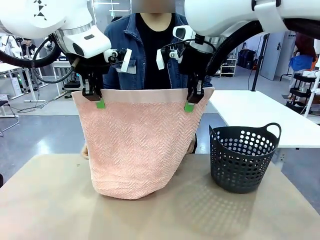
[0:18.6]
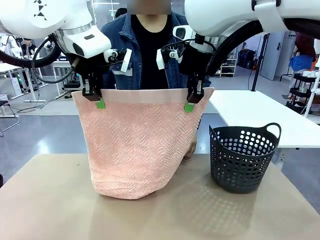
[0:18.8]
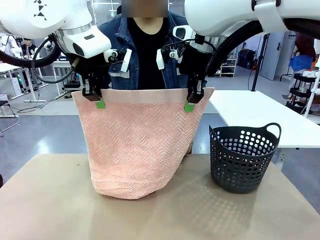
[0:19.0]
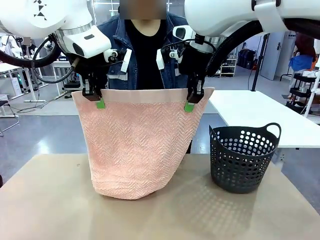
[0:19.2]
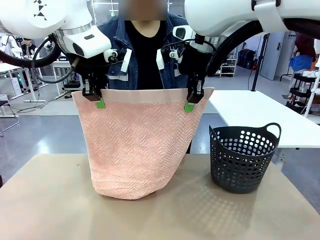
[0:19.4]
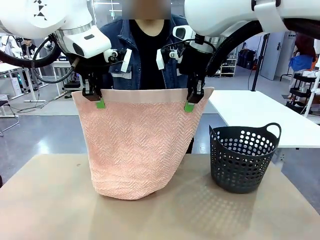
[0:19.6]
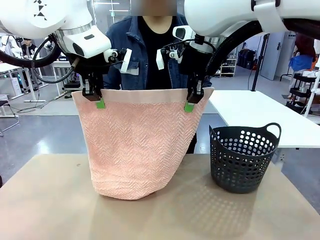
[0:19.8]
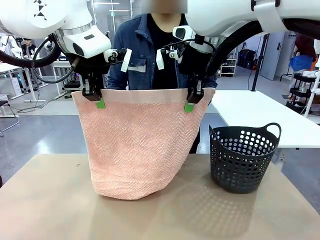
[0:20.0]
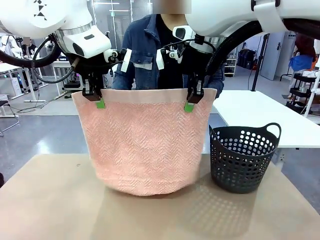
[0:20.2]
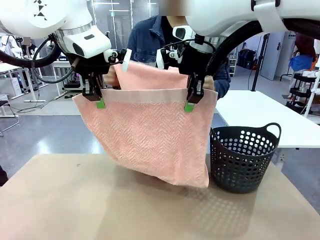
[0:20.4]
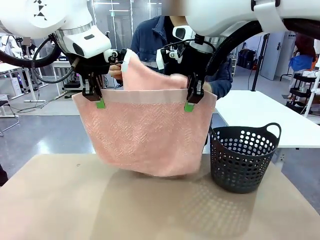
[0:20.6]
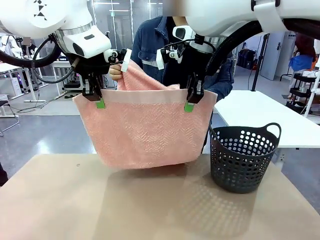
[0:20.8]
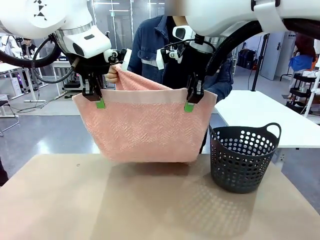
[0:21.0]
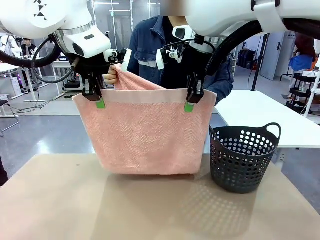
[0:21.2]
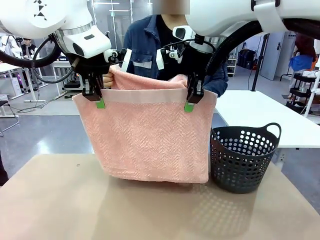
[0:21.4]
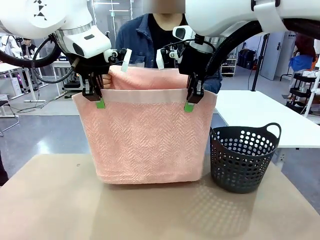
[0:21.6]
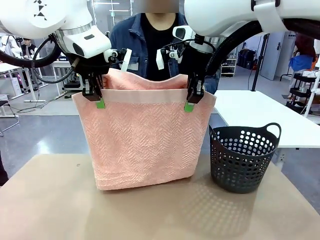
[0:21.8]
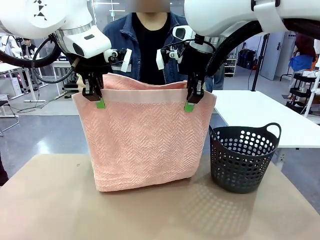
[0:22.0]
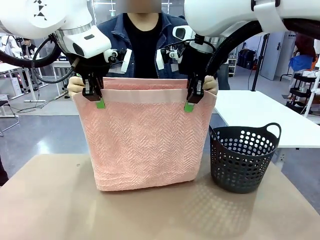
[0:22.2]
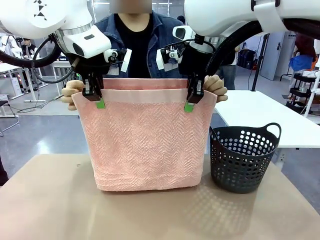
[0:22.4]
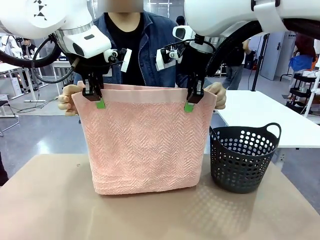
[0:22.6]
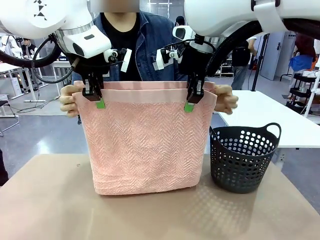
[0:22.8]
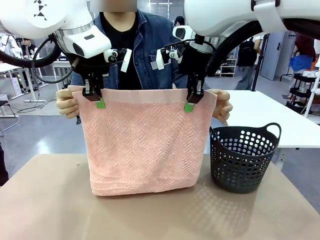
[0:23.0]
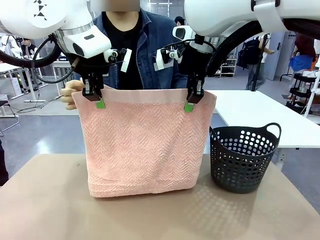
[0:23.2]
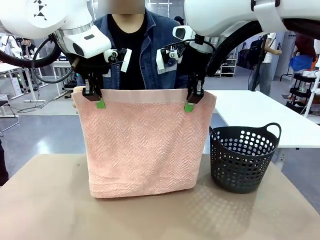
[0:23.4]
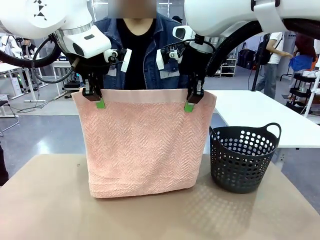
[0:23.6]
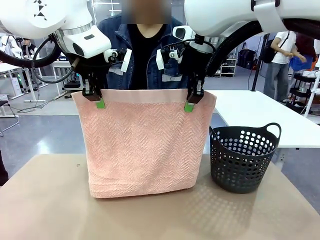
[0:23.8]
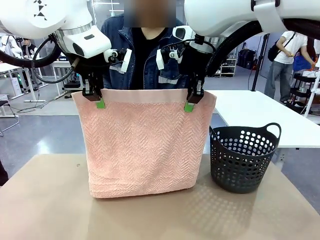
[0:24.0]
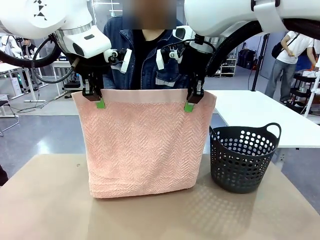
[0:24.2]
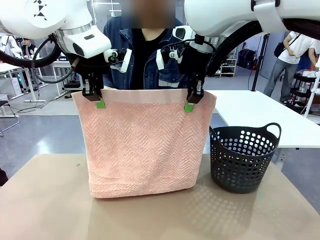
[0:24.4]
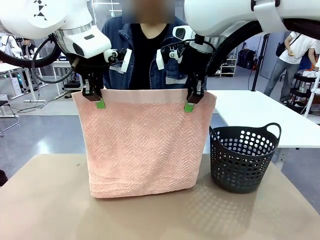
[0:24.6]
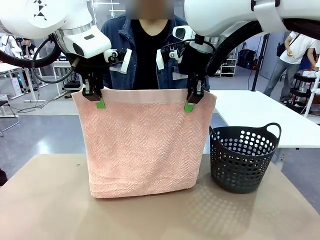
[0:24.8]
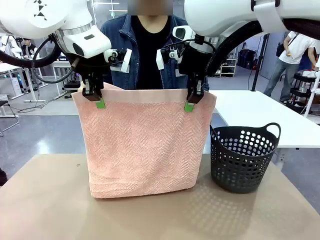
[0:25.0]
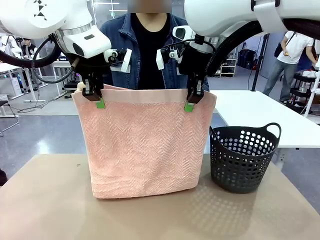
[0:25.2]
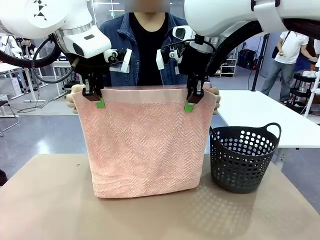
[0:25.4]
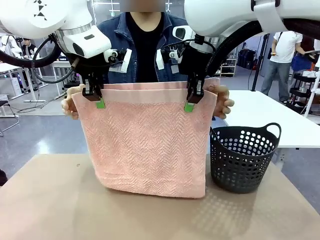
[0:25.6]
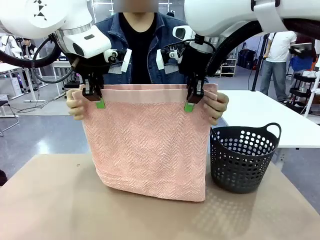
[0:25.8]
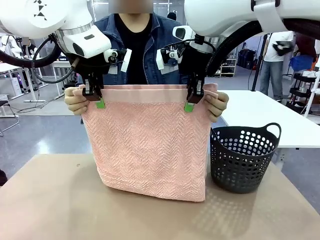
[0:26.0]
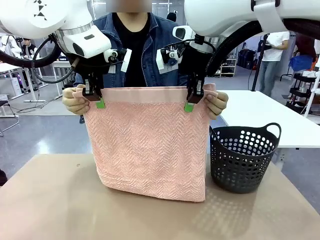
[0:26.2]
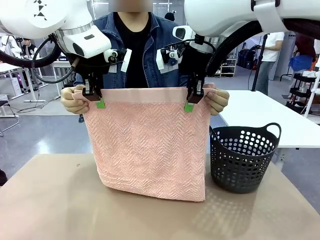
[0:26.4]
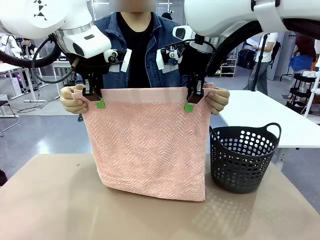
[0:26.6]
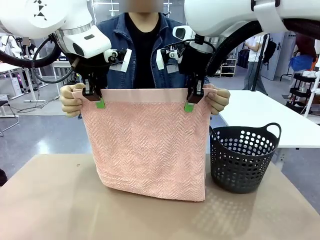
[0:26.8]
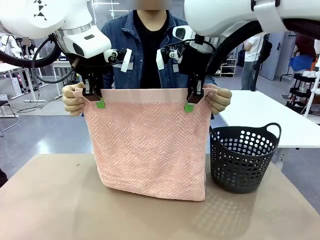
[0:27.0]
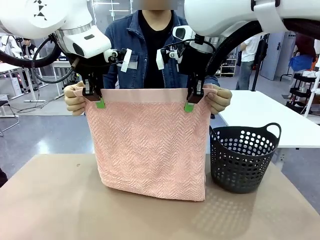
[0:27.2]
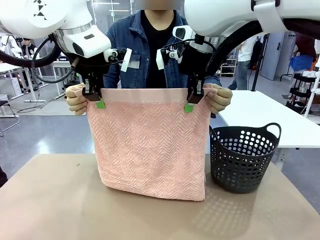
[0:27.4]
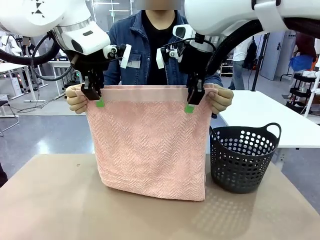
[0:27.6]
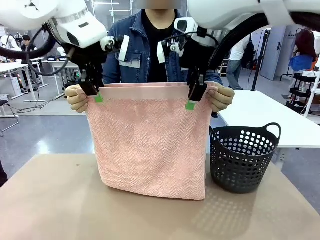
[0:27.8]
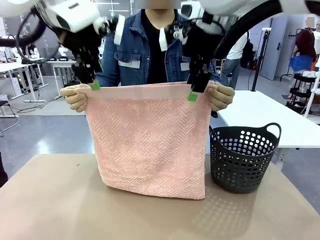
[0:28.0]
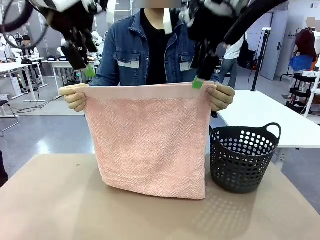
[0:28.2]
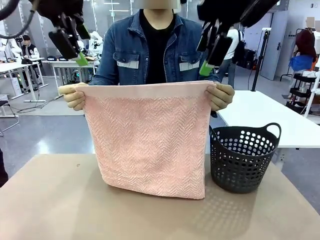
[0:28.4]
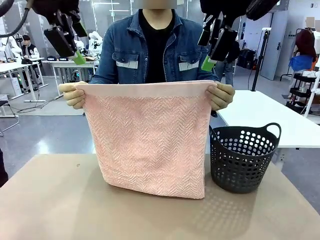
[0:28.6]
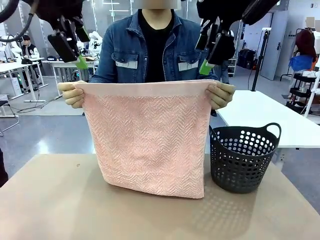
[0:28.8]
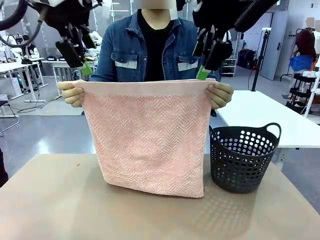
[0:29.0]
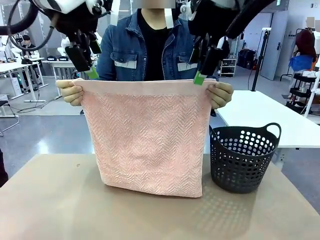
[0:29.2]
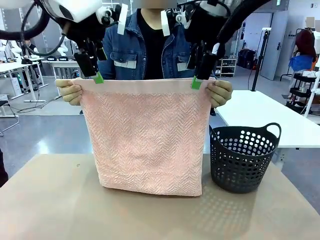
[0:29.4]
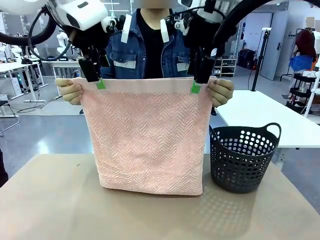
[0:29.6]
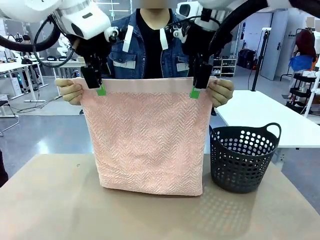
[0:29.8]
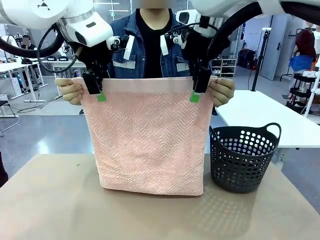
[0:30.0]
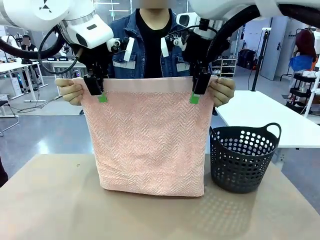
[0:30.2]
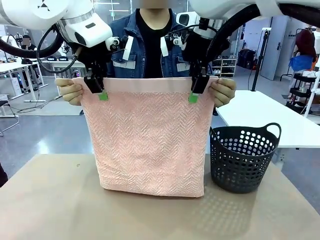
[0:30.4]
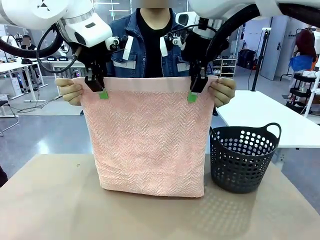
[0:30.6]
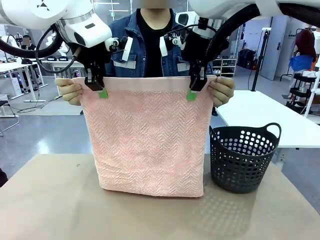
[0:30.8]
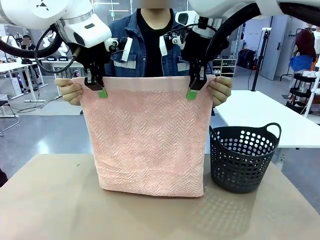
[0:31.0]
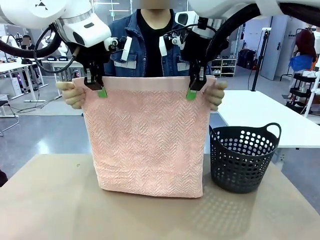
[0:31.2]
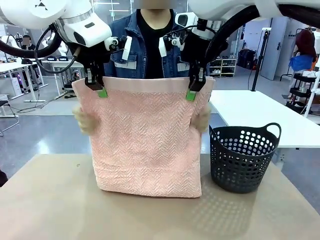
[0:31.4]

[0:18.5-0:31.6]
Task: Fold the towel.
Robot: Release the end of the 100 cm Hotel Towel you were holding and grab the top end of the folded side.
Person: Using the point held by the robot as a reference, grasp the opposite end, fold the towel in half, and then hold both ends of the folded towel.

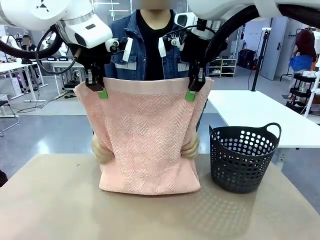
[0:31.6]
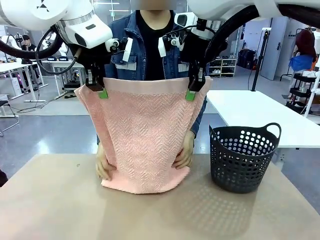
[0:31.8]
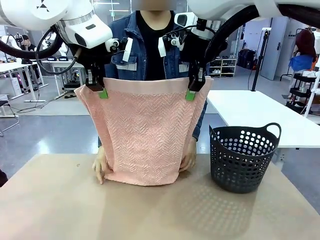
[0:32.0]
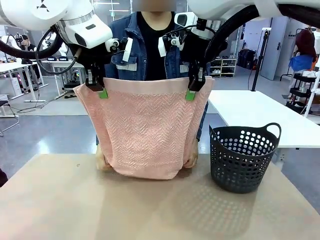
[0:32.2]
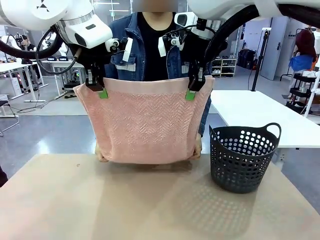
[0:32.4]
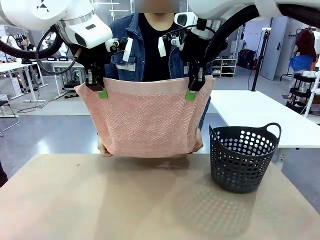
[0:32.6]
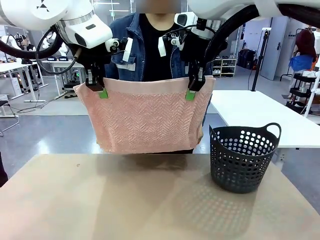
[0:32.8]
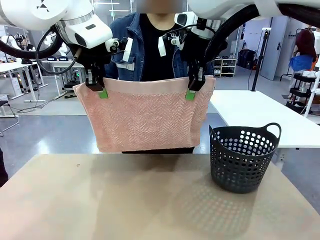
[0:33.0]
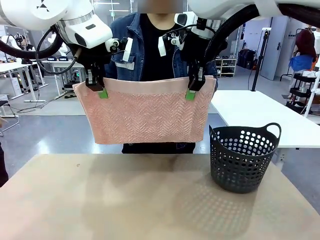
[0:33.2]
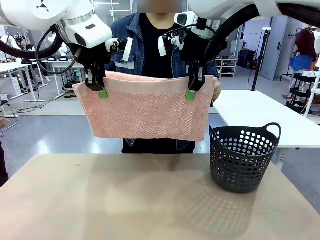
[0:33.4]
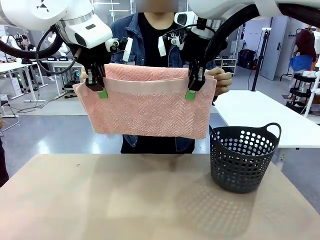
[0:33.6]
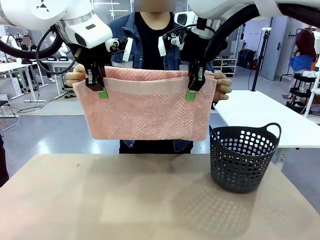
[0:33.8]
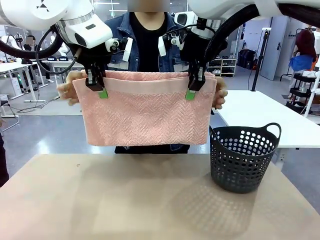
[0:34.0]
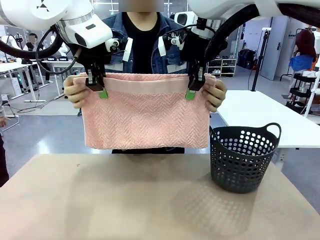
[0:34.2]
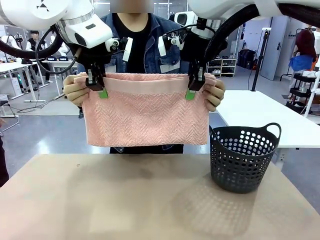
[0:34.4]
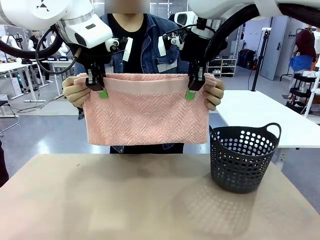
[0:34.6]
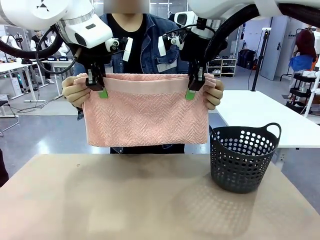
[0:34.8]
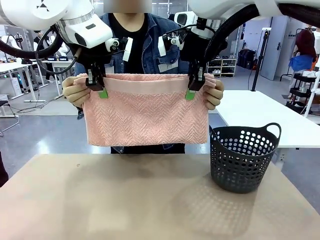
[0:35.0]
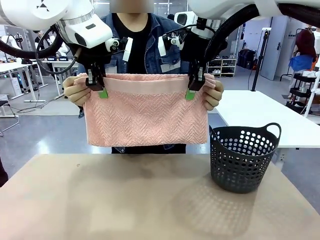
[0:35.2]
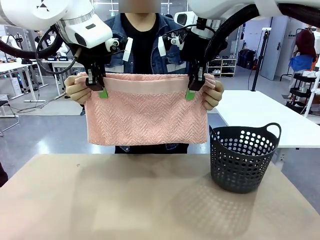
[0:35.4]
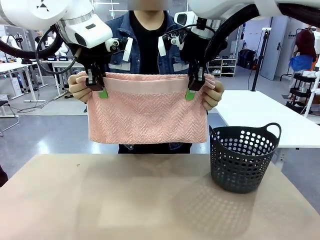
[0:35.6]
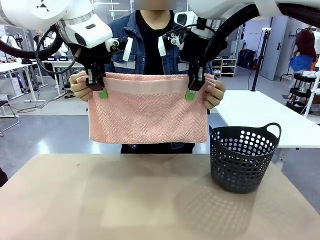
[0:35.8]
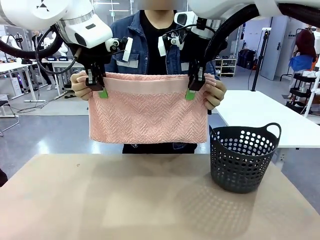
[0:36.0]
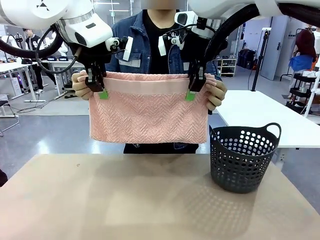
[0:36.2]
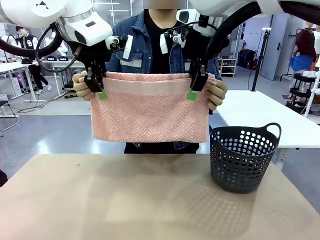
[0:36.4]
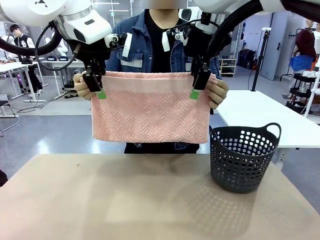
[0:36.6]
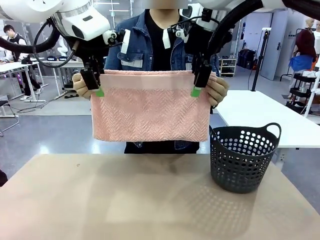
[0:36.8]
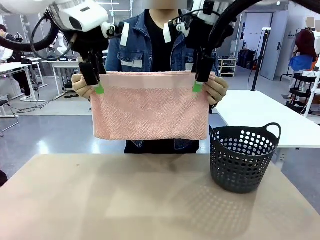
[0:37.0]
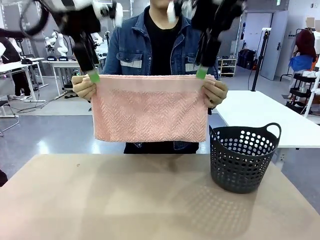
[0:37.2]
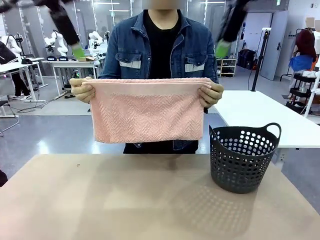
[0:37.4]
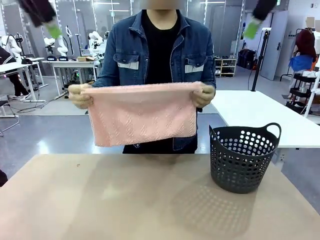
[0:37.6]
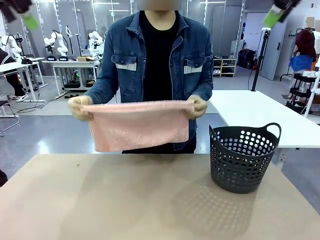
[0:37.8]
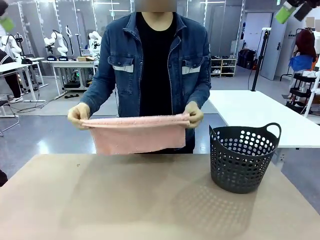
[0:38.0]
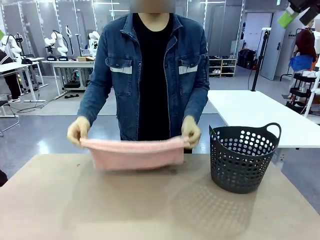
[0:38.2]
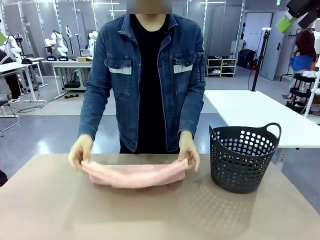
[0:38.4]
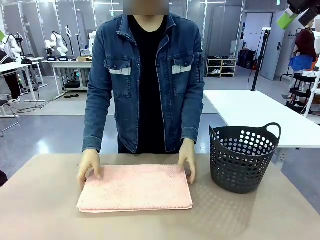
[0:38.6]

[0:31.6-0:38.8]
Robot: Release the end of the 100 cm Hotel Towel you were holding.
Person: Place the towel at the center of the robot table and fold it in half.
